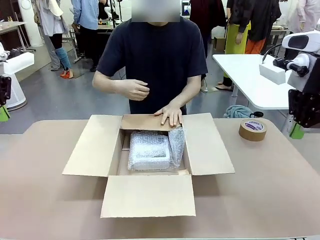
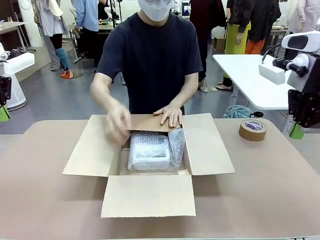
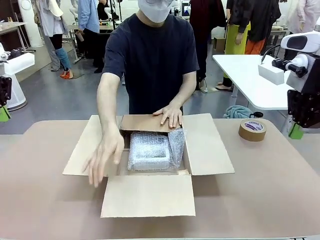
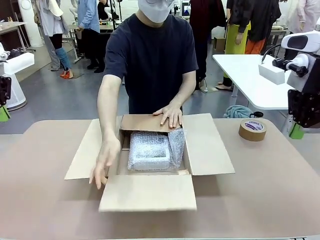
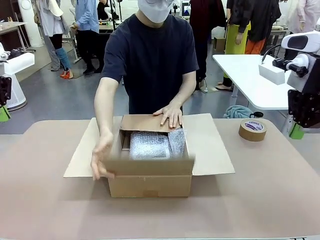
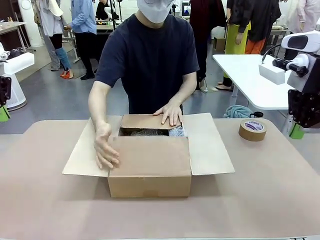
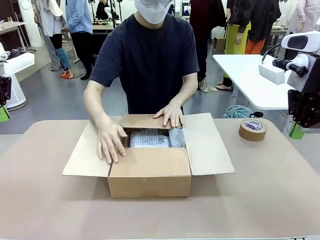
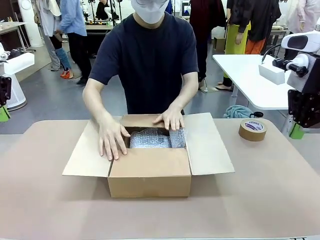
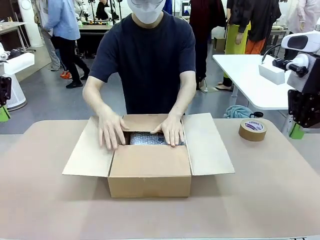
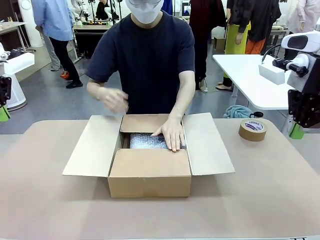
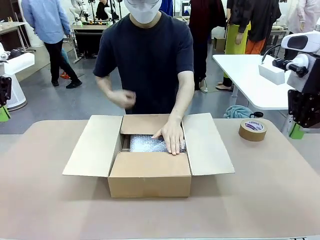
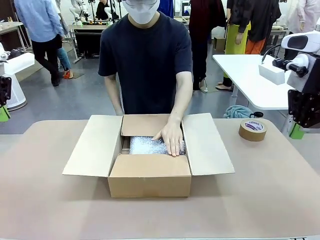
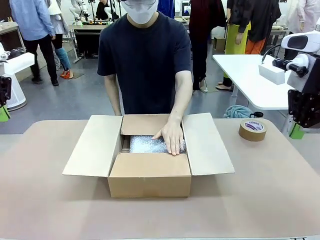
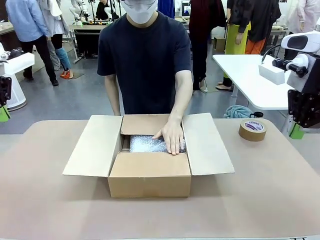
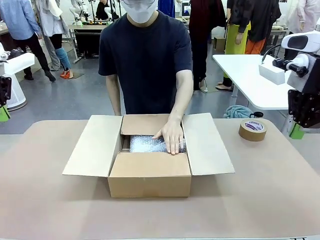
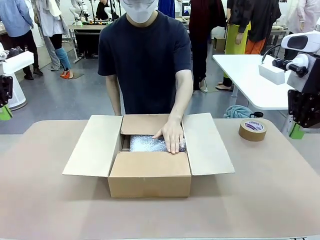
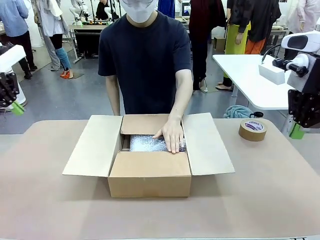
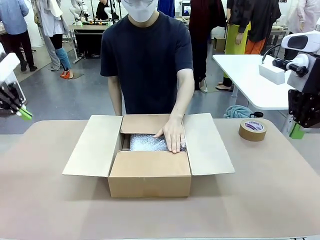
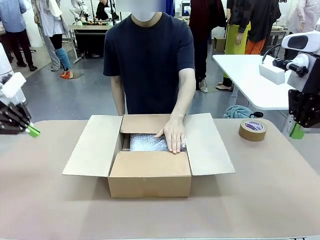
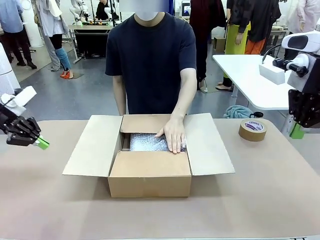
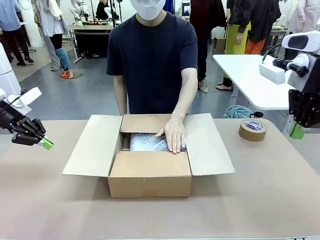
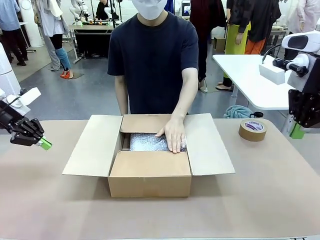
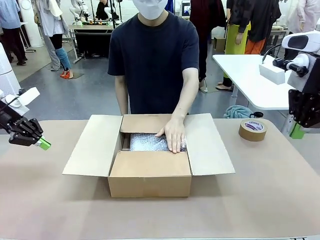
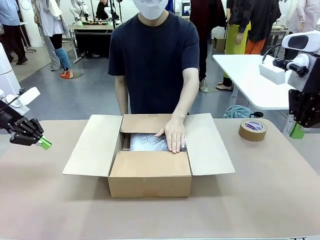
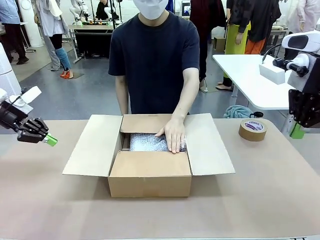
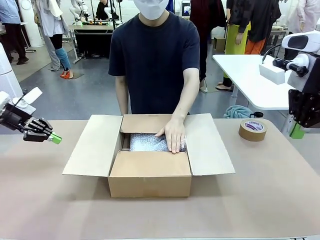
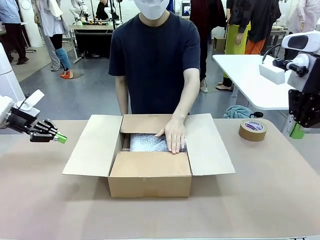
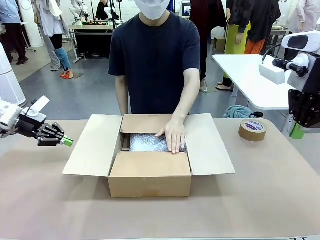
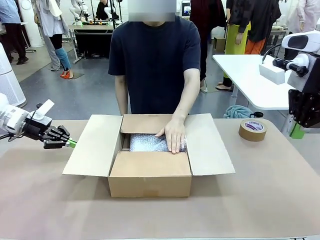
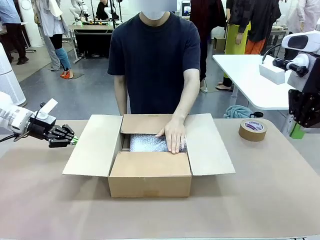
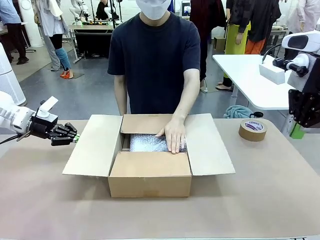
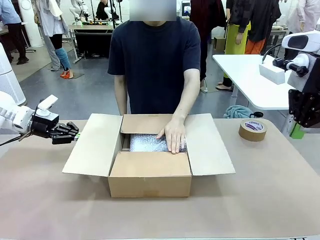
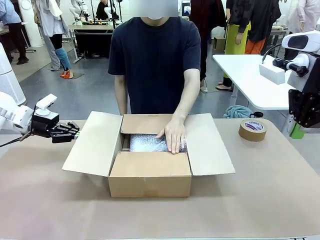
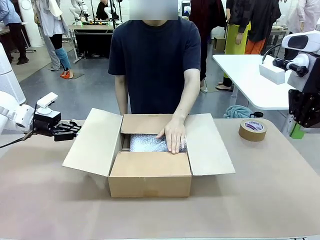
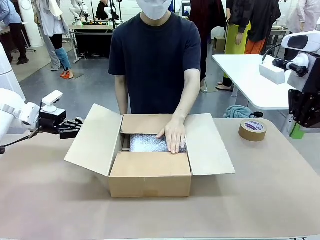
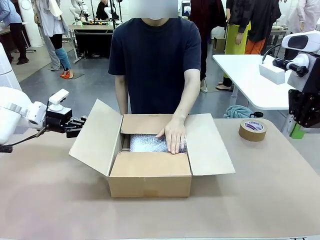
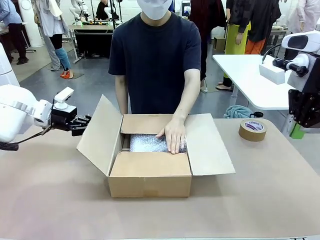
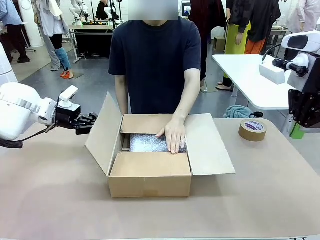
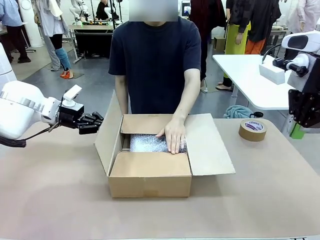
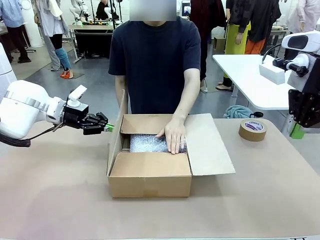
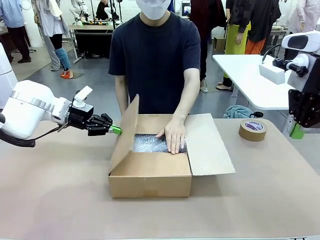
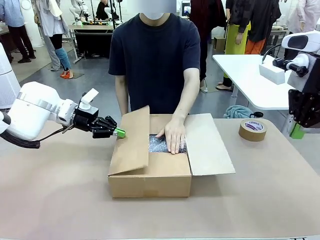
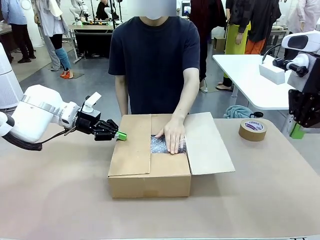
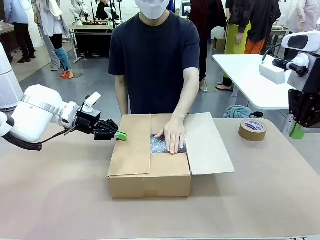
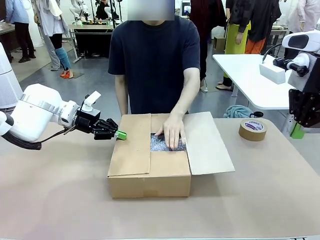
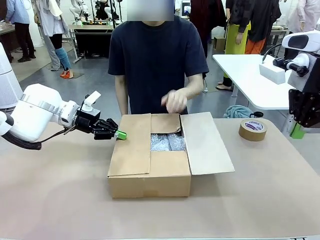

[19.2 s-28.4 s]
Task: Wrap the clocks to prevent damage.
Robot: Push the right (or left) flap of the Package Box to close it.
Person: Once the robot closes the right flap of the Package Box , release your left hand from the box.

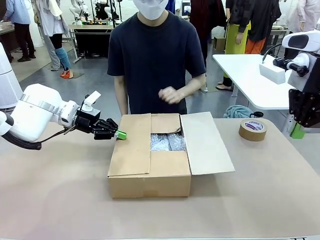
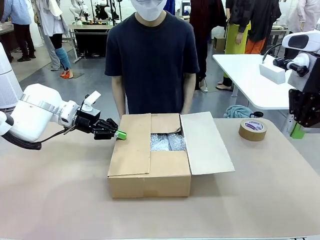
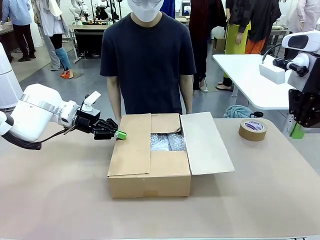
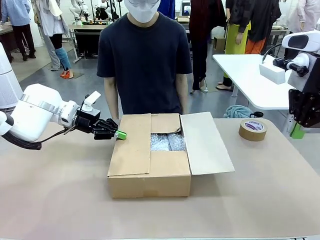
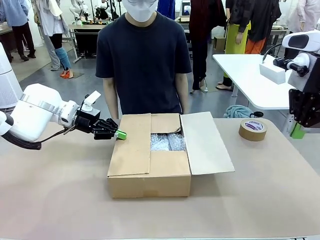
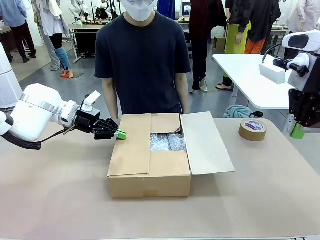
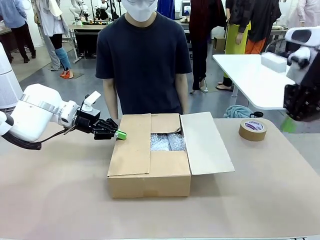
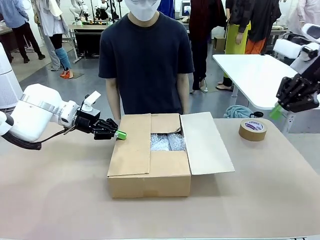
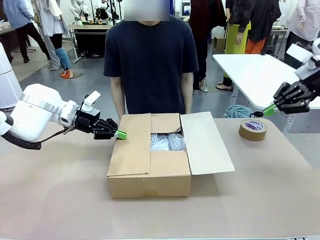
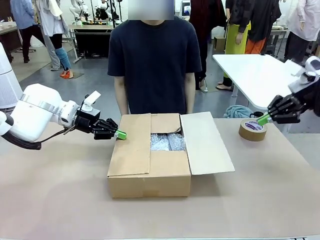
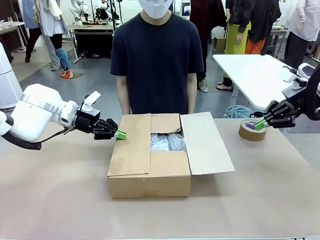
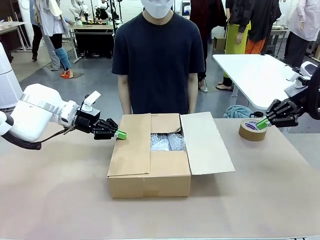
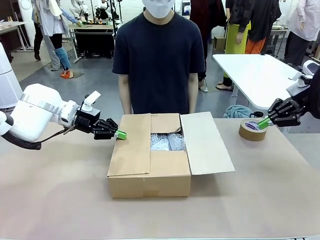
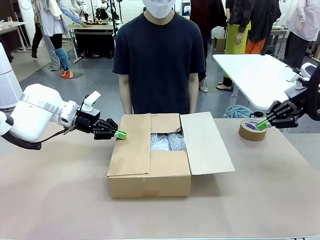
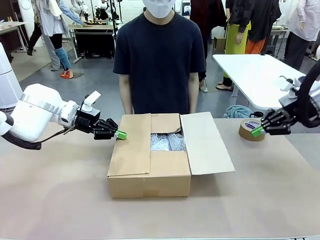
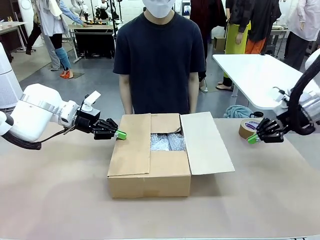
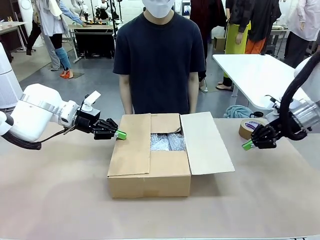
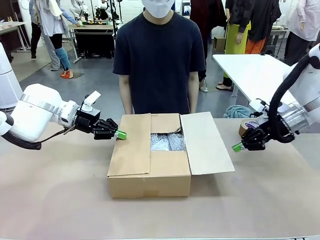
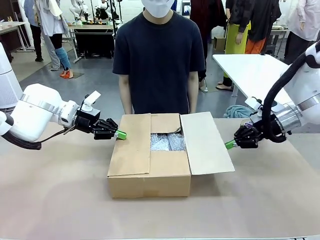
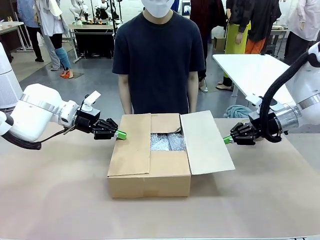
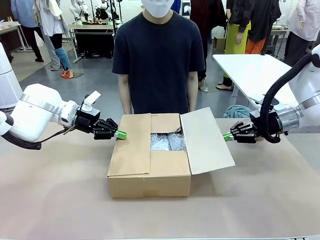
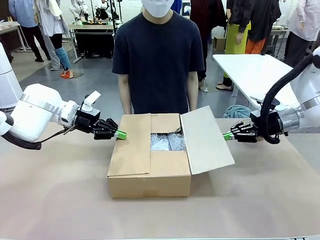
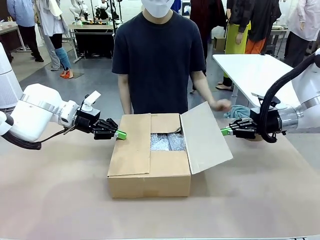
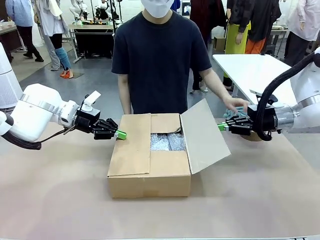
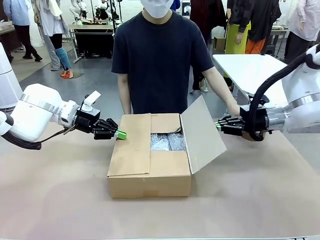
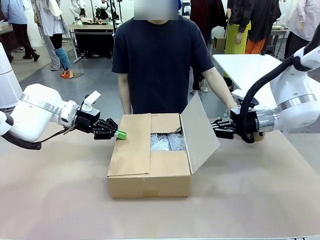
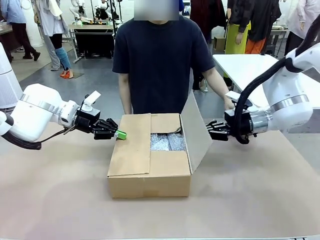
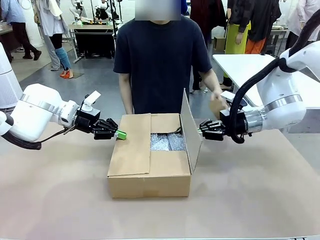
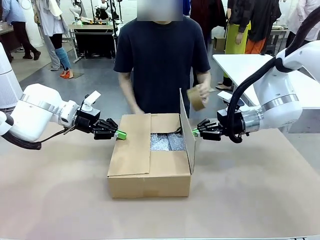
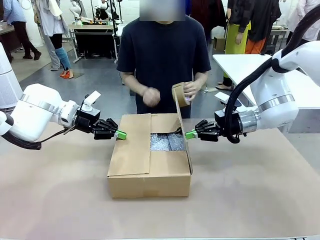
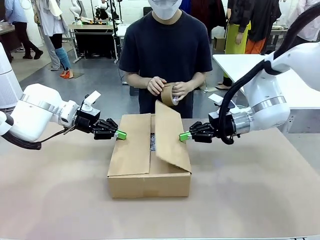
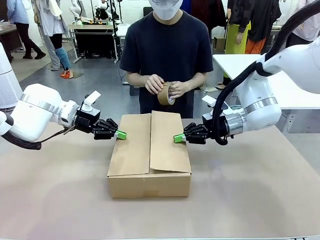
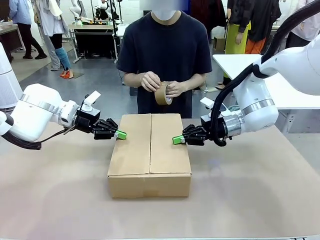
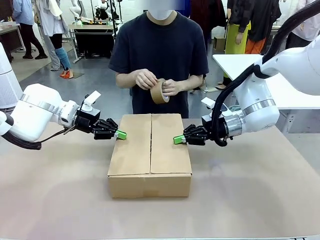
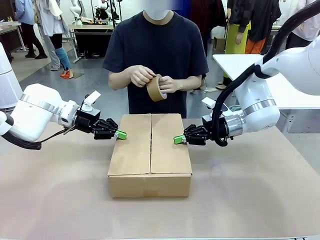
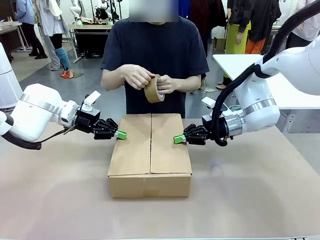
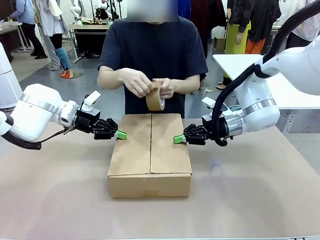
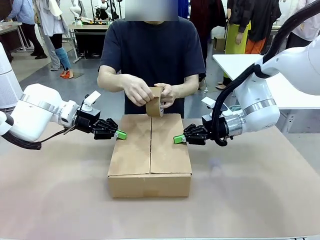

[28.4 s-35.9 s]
Robot: Push the left (or right) flap of the Package Box to close it.

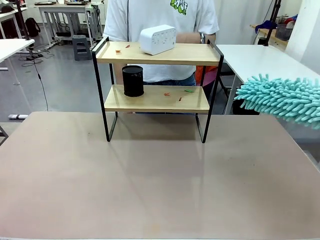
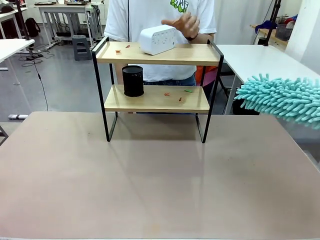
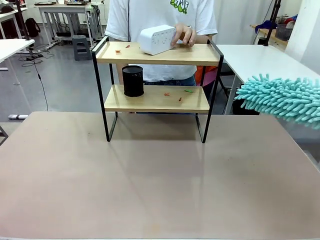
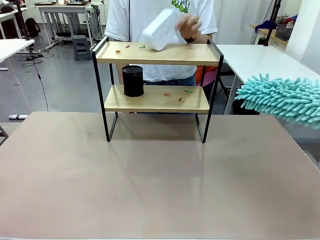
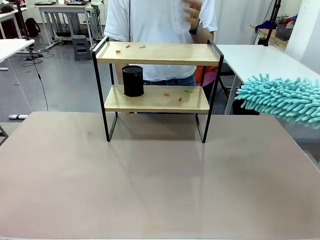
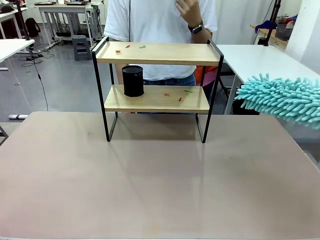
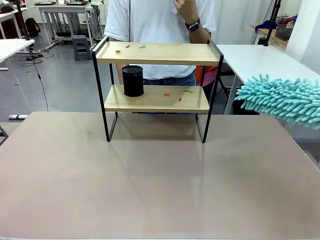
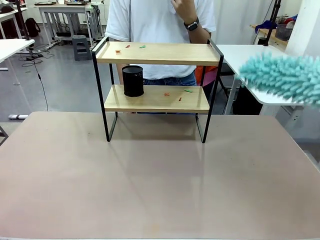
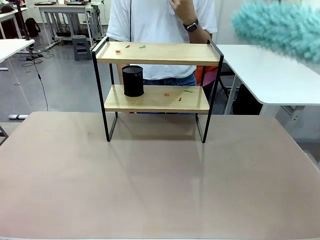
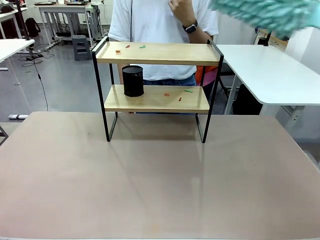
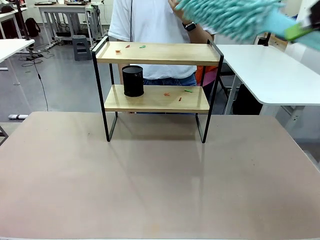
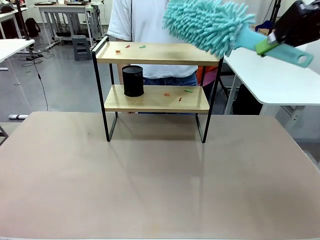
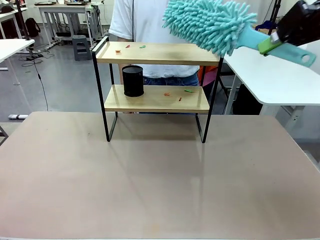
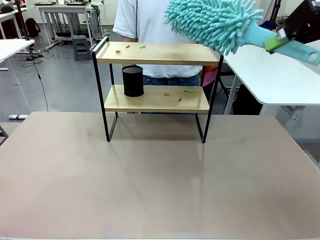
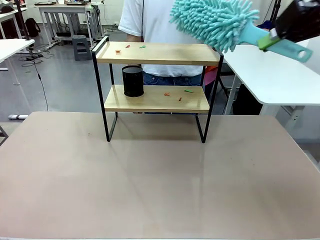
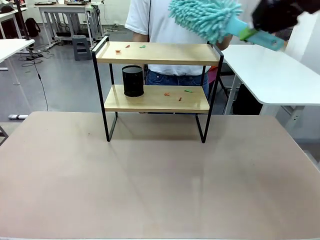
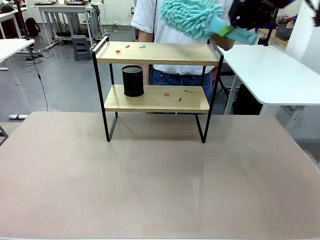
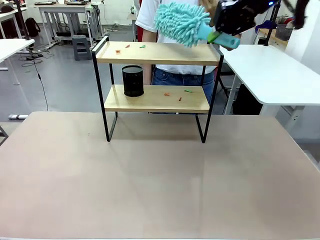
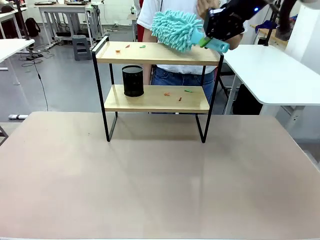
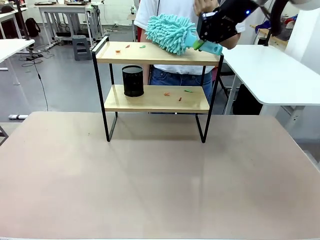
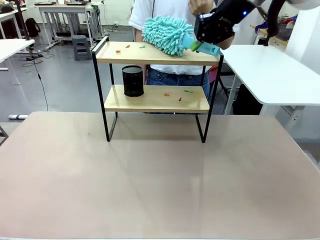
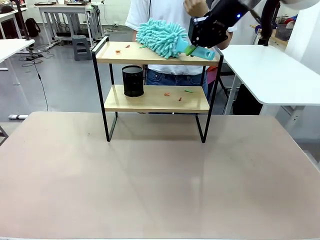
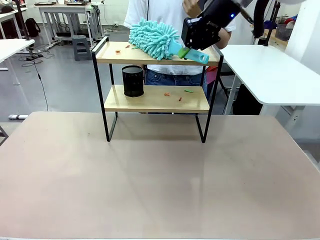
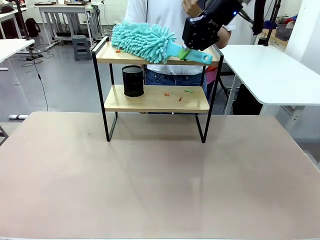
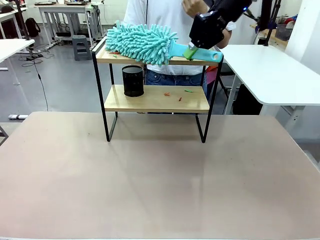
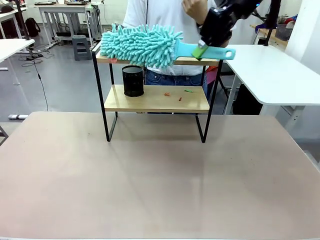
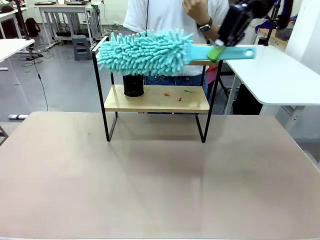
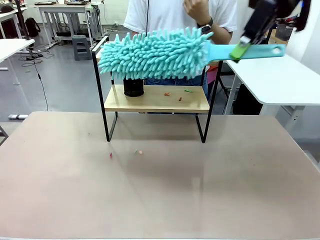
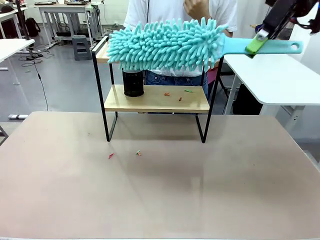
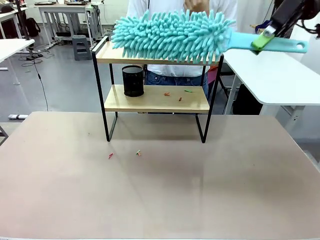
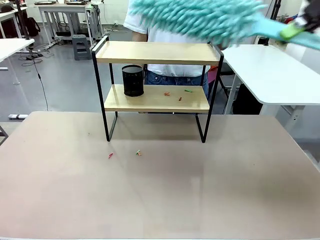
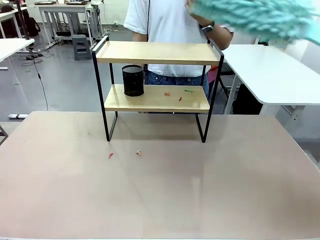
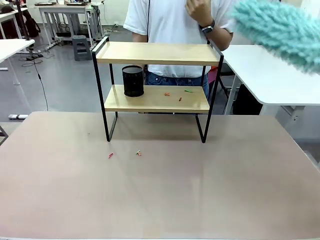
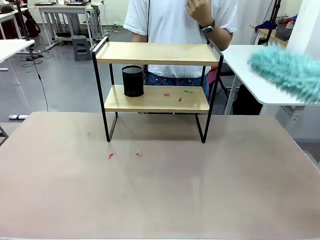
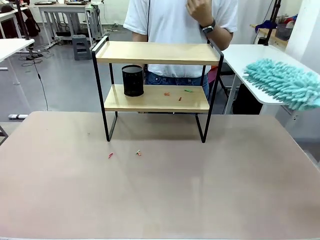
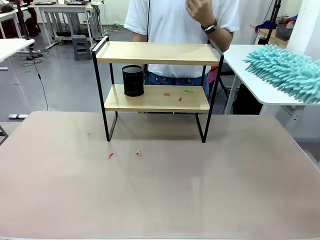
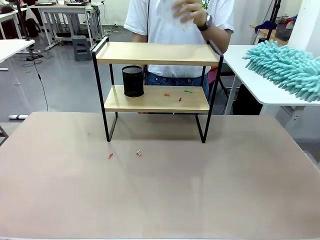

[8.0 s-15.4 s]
Task: Clean the shelf.
Robot: Clean the specific tier of the Shelf with the Duster once objects are removed.
Person: Lift the objects on a randomly selected tier of the Shelf. Once the robot finishes cleaning, lift the objects on the remaining tiers of the Shelf.
